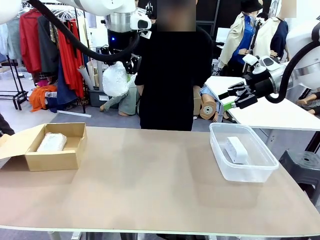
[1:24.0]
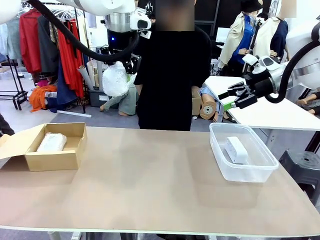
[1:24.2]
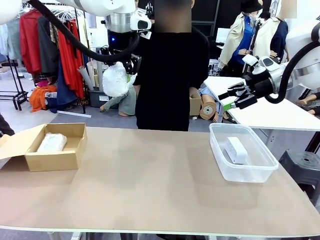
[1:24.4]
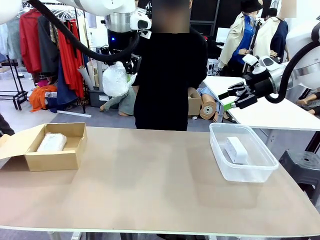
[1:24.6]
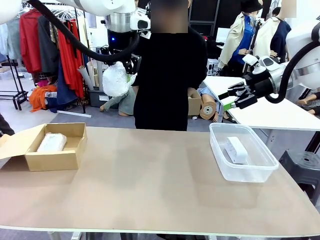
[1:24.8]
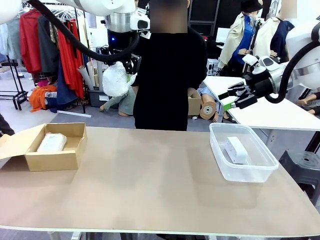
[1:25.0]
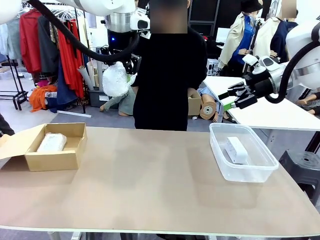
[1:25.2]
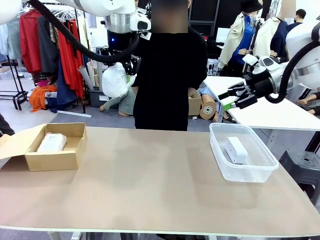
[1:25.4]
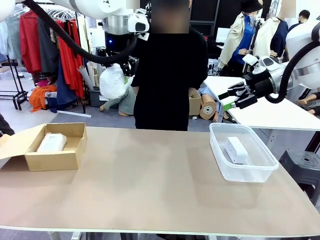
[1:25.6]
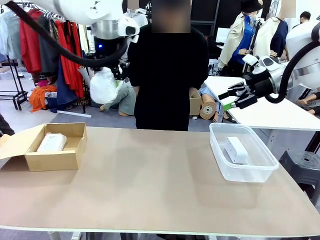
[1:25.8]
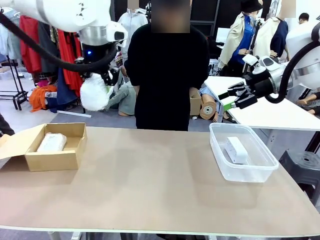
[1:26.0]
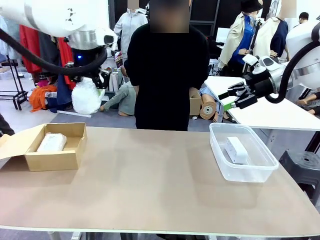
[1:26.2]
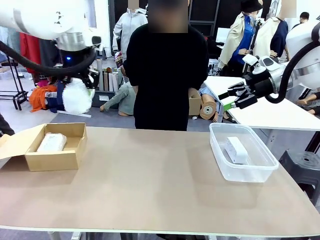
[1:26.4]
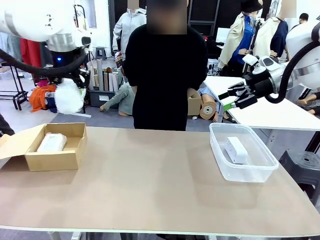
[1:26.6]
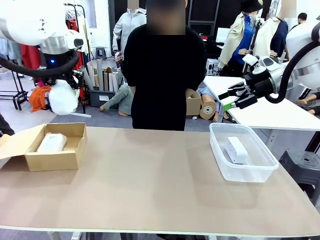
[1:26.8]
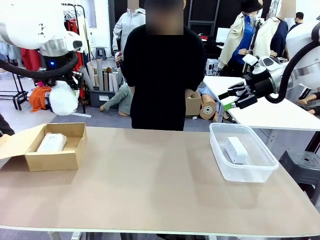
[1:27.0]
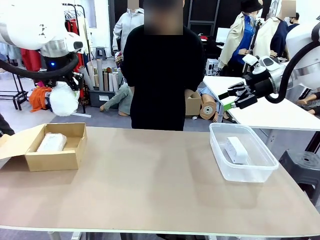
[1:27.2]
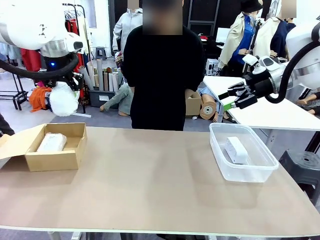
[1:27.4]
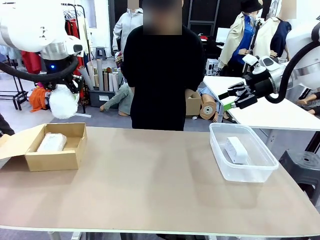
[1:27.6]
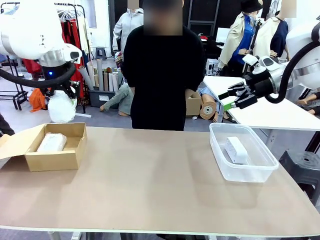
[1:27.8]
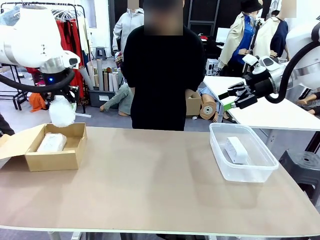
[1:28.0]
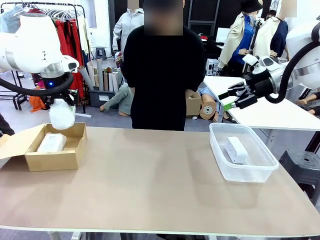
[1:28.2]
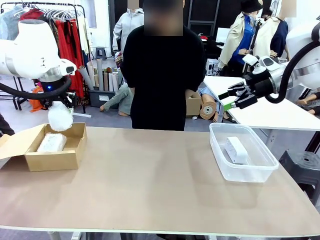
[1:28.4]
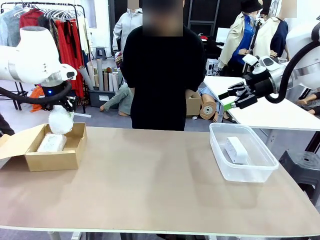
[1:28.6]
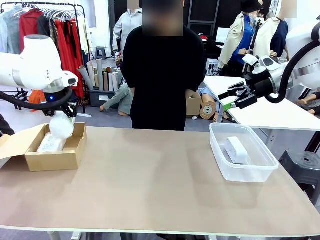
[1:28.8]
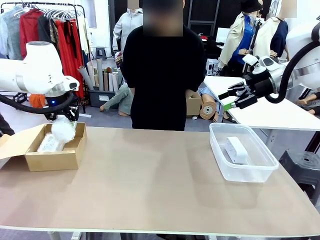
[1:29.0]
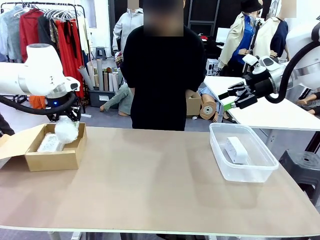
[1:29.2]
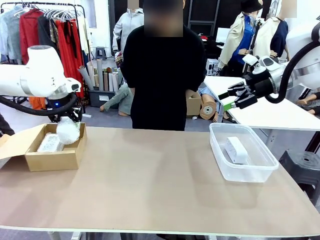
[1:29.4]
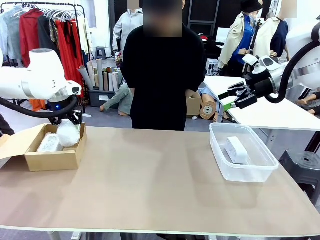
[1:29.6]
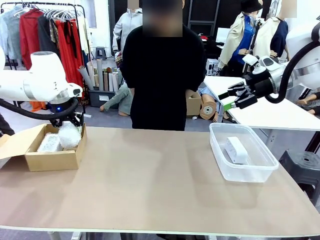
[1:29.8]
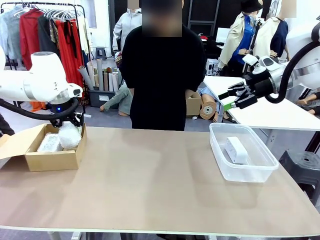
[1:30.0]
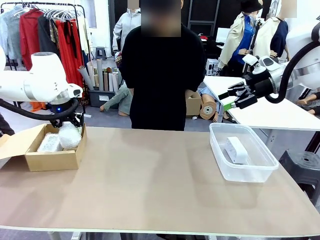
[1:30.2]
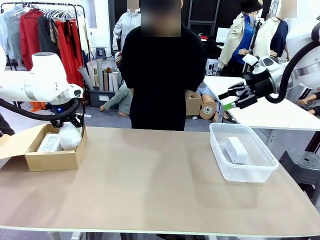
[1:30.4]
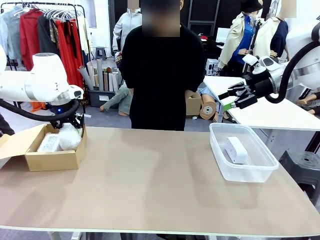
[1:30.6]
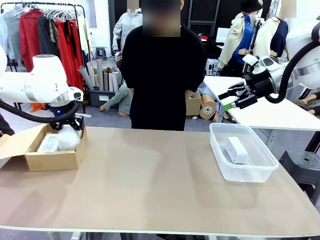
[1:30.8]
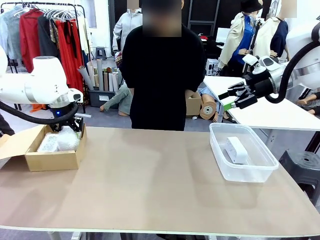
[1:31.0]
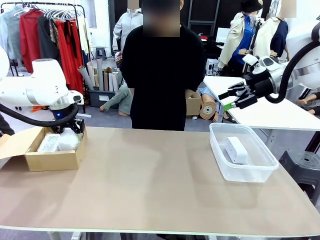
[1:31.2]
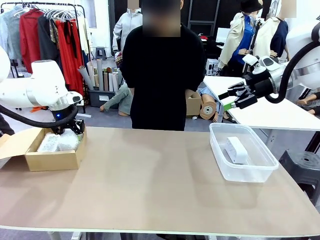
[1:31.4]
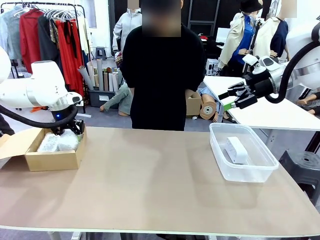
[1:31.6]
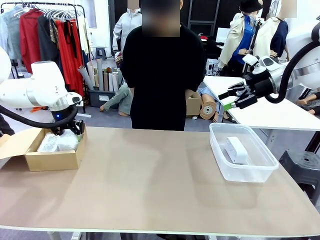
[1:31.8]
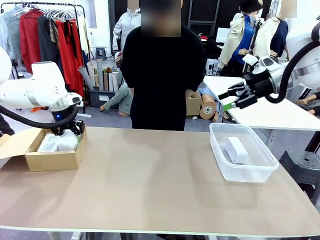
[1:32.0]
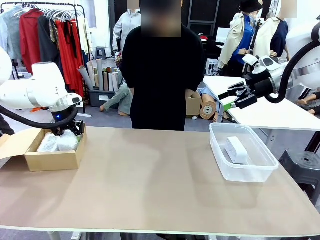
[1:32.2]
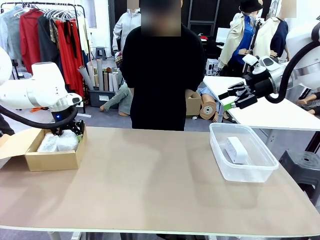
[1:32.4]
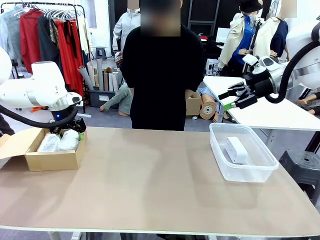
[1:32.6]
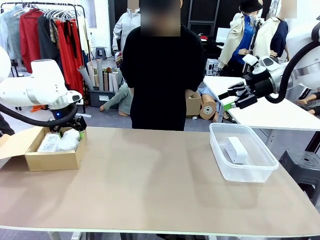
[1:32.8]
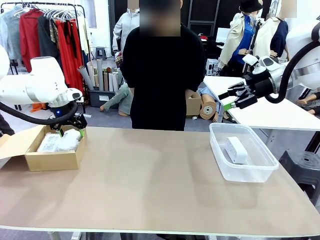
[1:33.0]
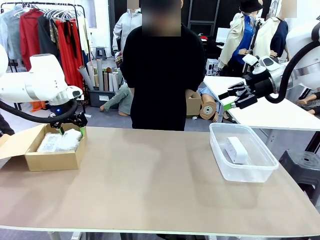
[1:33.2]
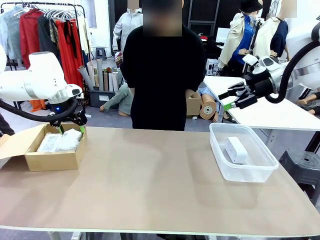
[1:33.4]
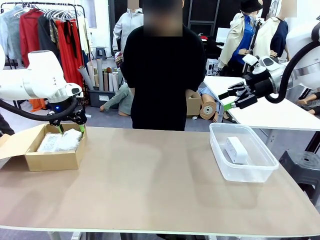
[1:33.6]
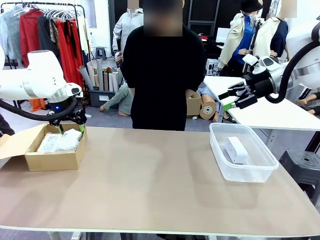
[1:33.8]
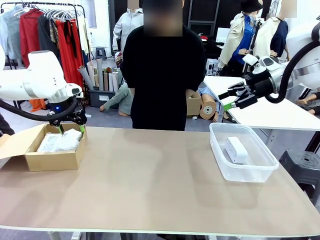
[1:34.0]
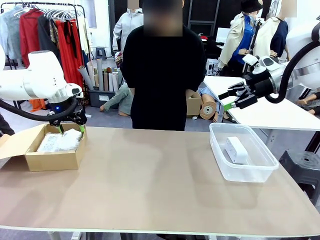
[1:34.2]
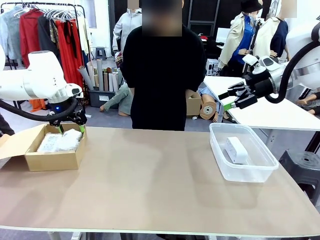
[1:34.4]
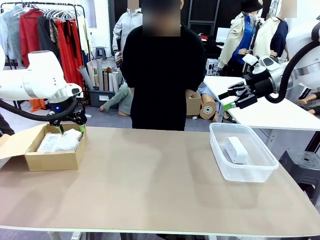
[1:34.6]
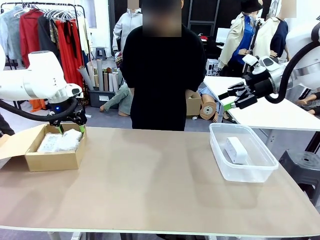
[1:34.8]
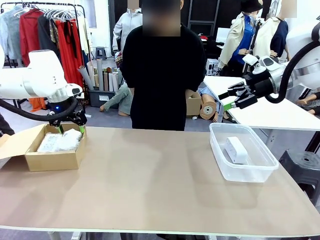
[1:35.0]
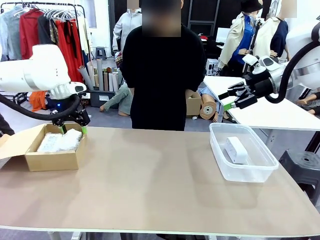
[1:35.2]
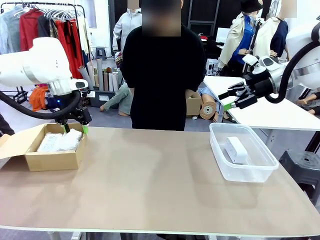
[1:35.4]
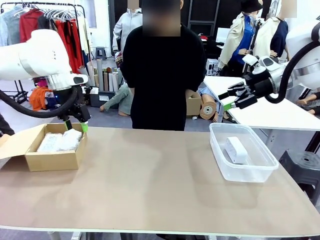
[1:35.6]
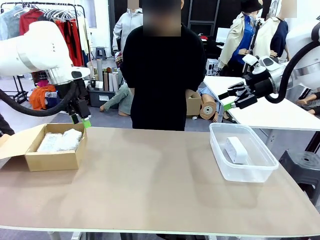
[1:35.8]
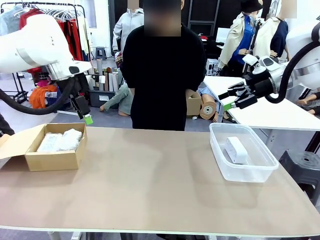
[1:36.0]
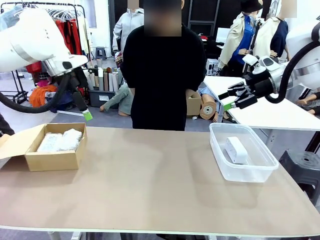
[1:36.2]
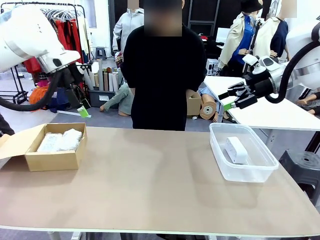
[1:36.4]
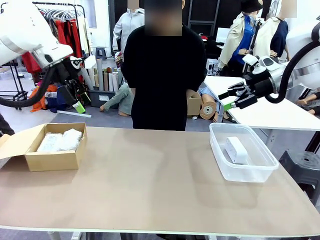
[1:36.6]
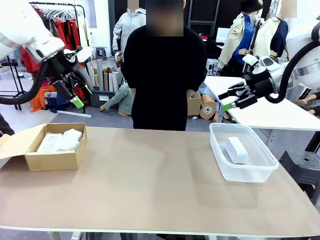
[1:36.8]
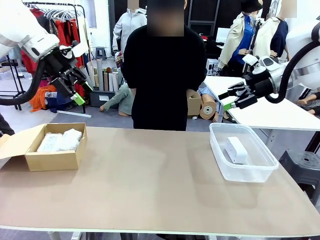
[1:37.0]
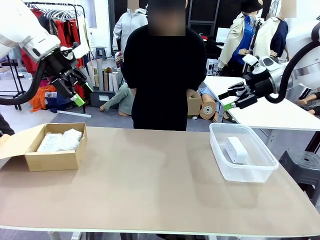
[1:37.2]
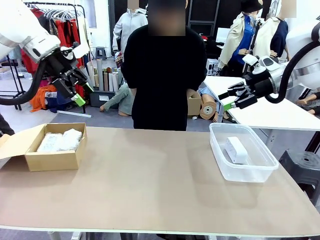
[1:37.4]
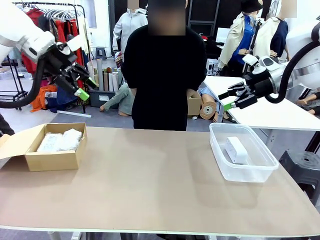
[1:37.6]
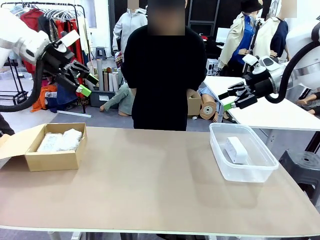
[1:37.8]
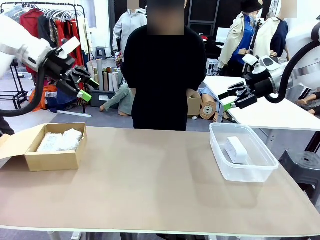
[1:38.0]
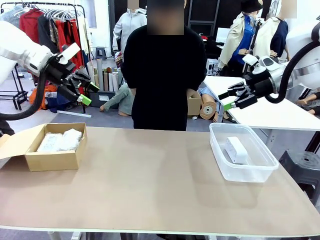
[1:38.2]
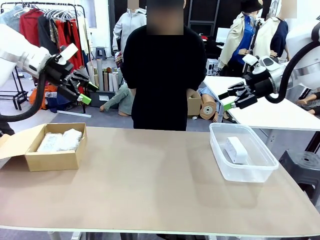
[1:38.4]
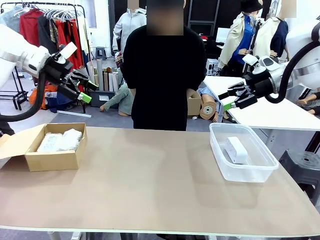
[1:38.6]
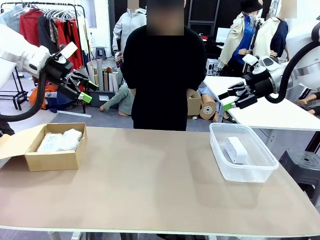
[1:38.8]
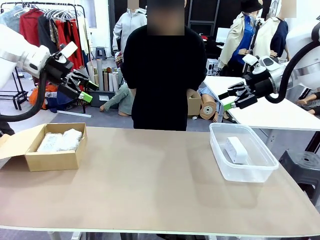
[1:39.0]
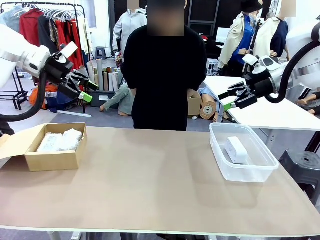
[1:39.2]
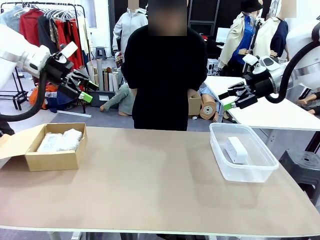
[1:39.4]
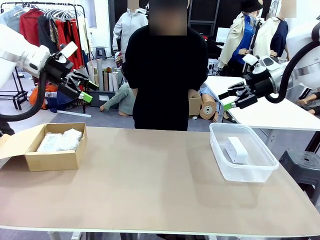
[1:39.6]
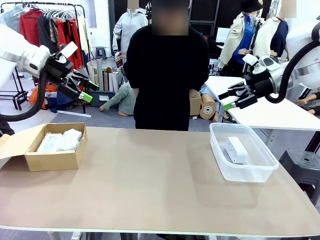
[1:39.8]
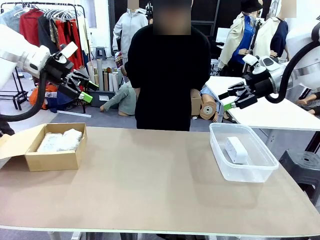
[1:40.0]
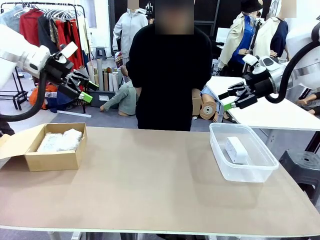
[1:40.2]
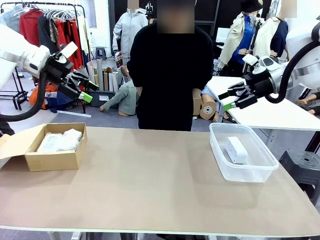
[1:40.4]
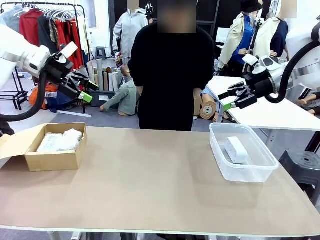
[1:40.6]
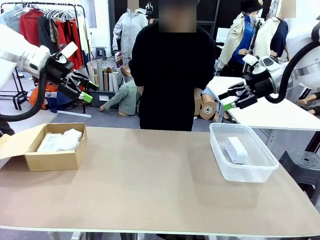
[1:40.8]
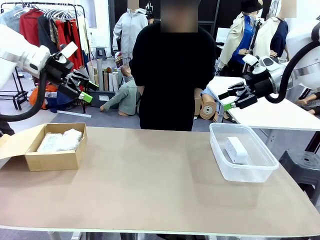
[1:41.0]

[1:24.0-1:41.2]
Task: Separate and place wrapped and unwrapped clocks.
Robot: If the picked Digital clock is wrapped, place it in the Package Box ; if not, place it in the Organizing box.
